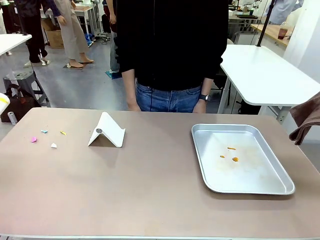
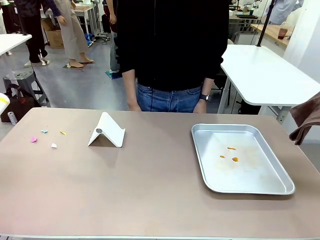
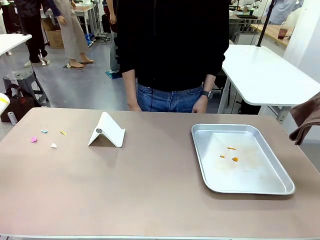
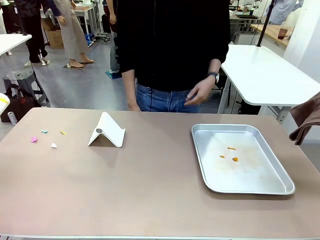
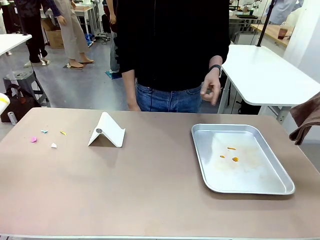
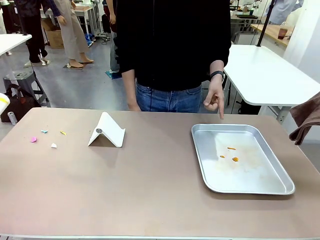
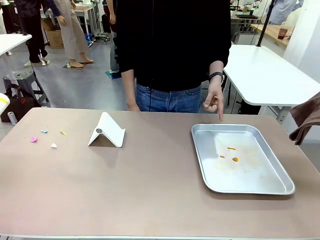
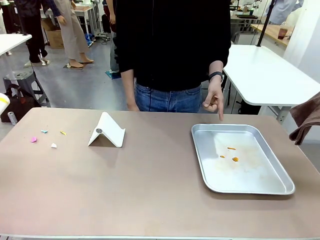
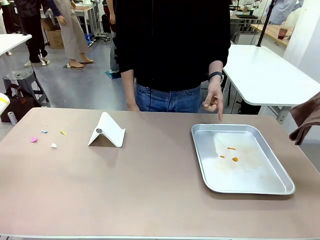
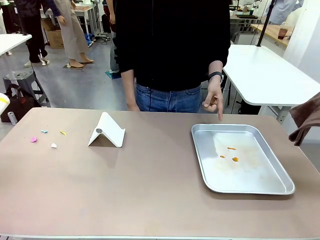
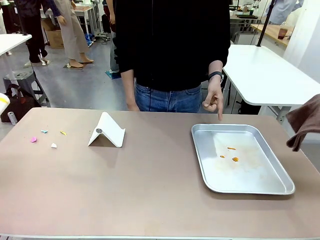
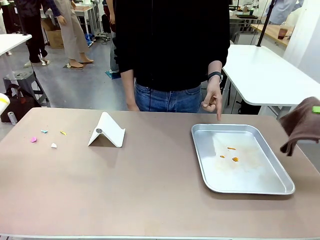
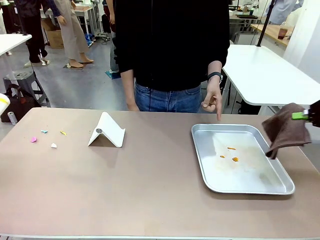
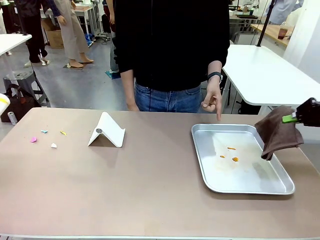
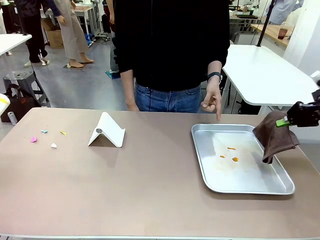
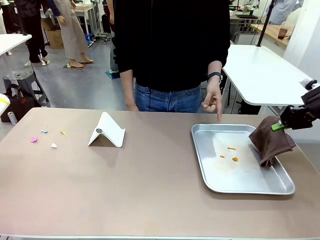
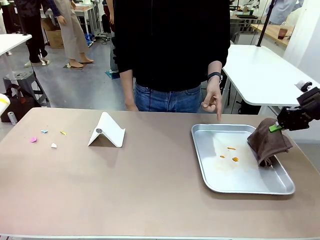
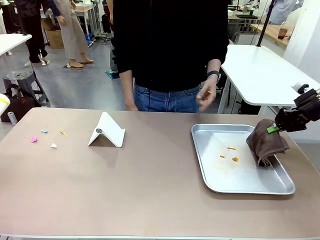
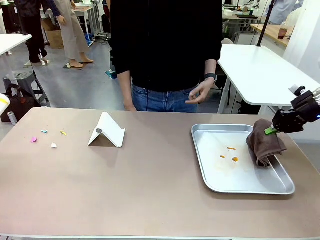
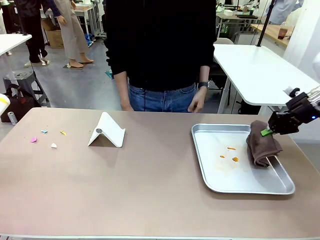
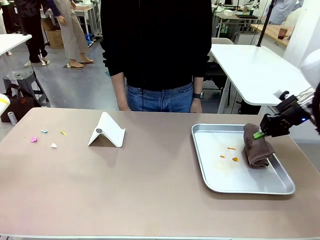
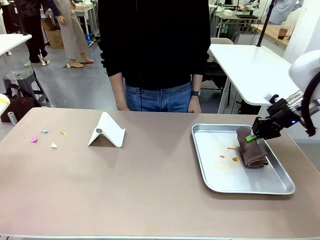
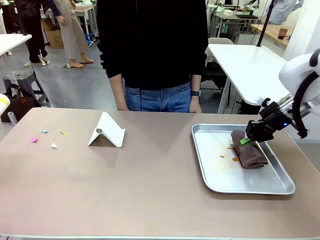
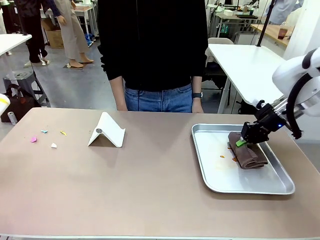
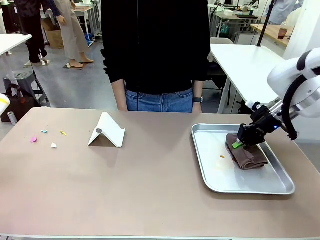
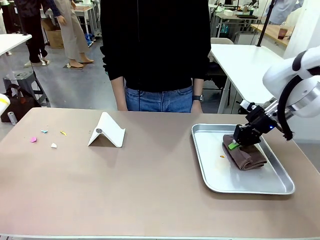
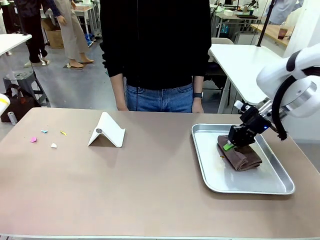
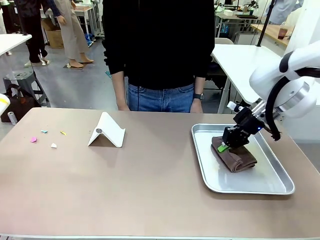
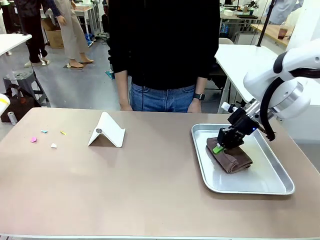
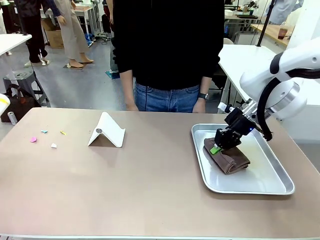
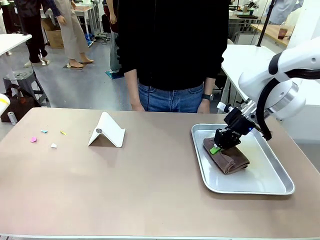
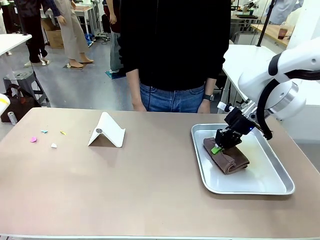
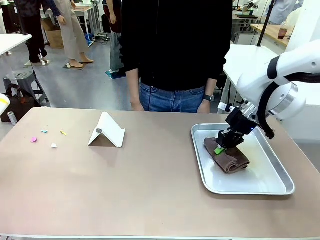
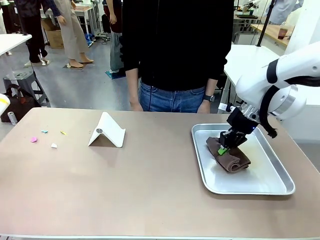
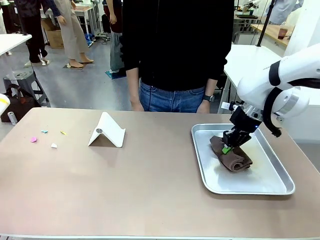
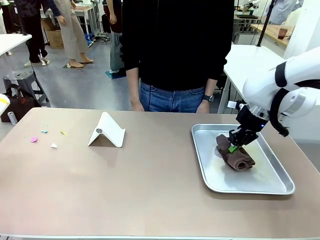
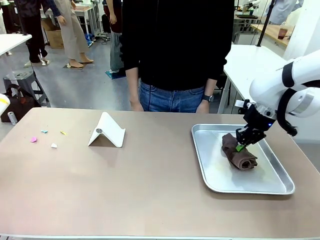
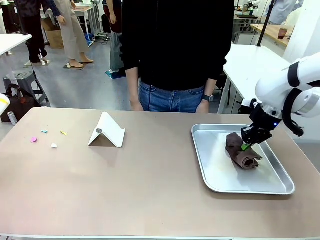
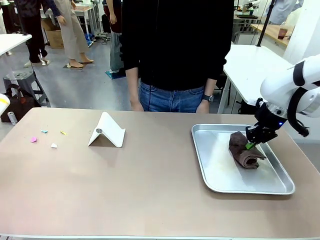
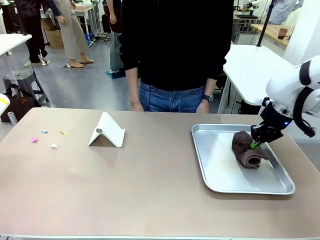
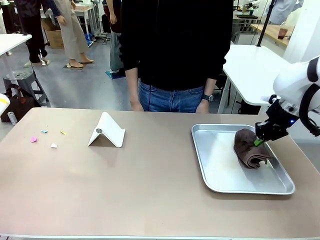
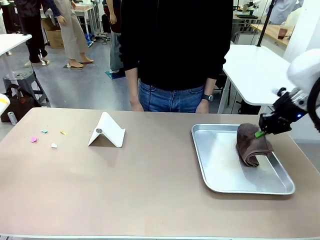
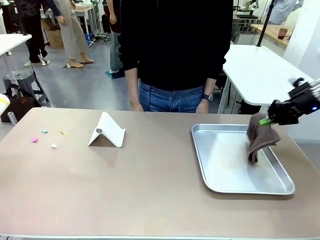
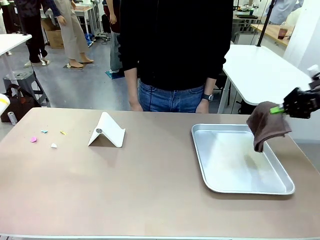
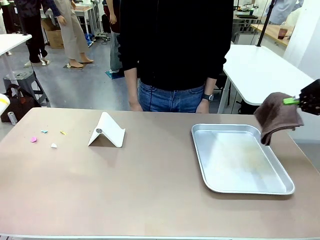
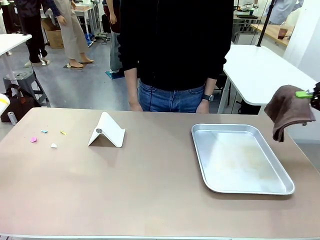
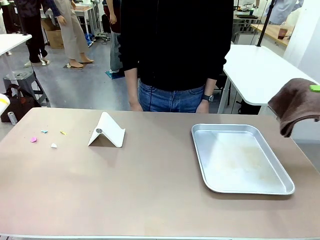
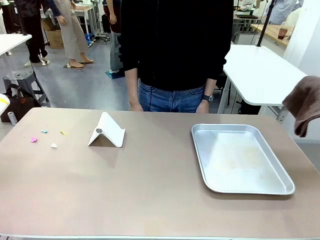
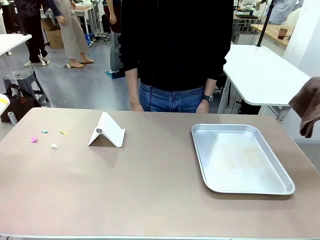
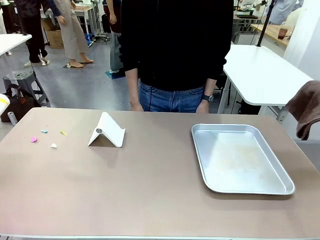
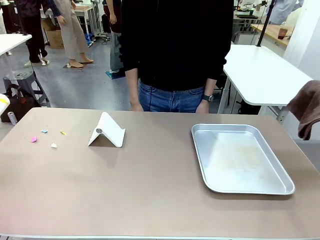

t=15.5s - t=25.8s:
Task: Clean the surface of the table.
Robot: If a person points to the right, clean the right side of the table with your right hand, and if they point to the left, clean the left side with your left hand.

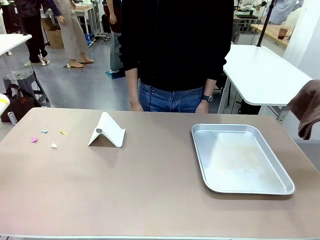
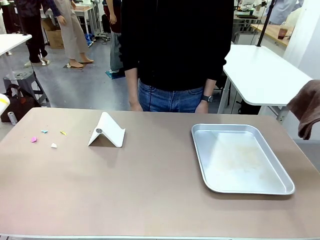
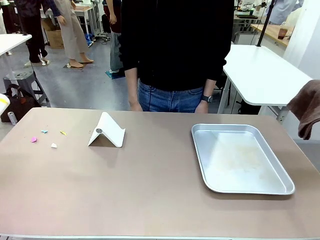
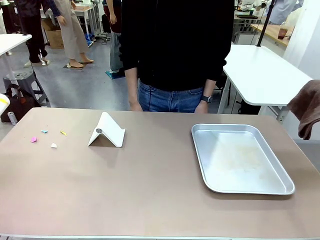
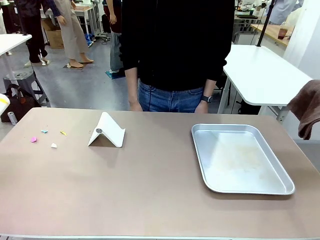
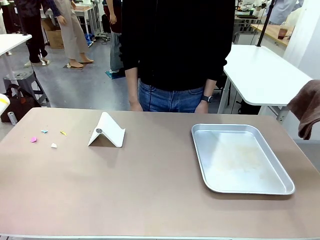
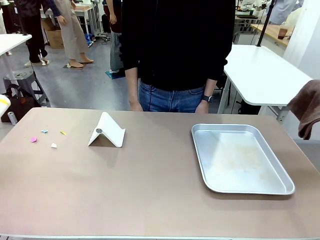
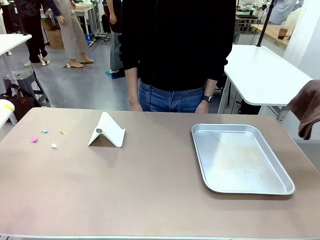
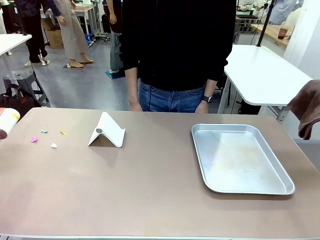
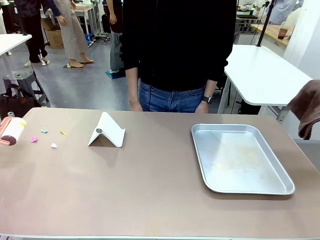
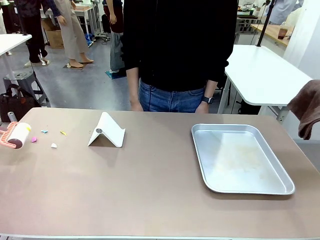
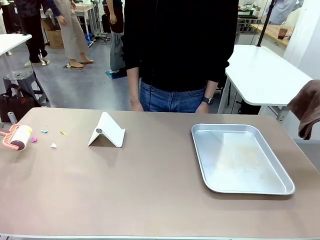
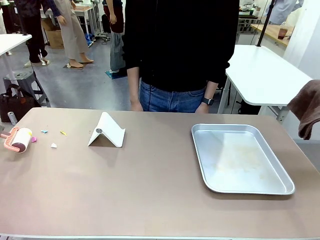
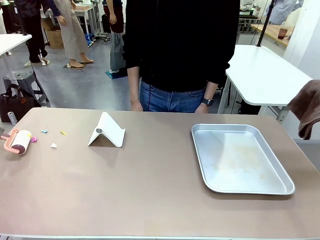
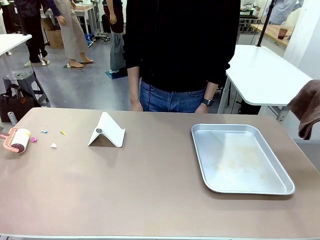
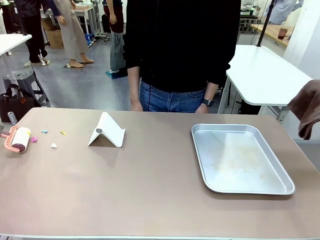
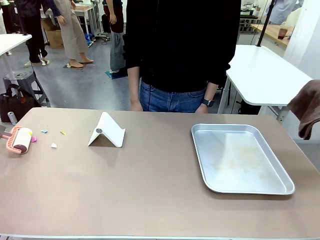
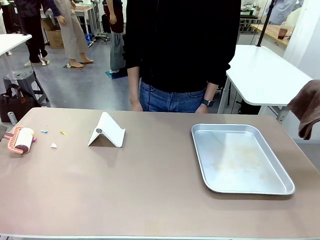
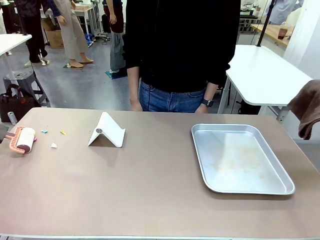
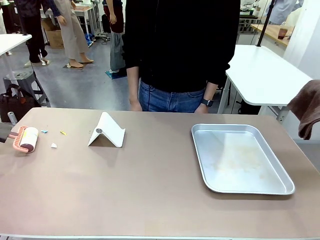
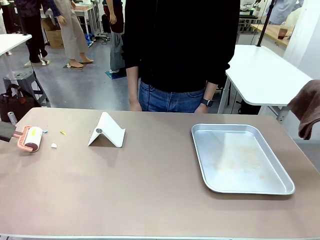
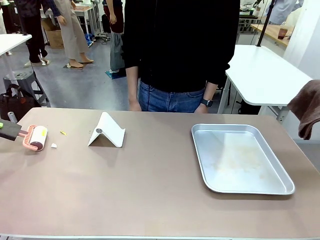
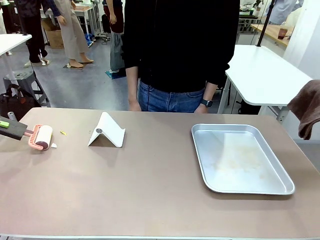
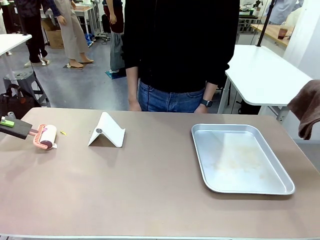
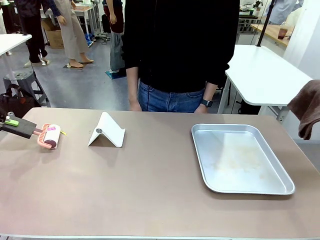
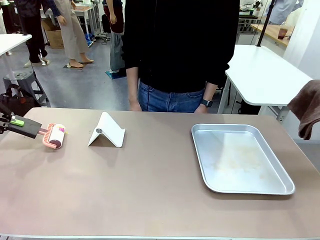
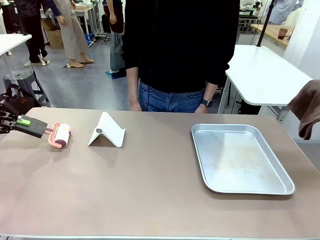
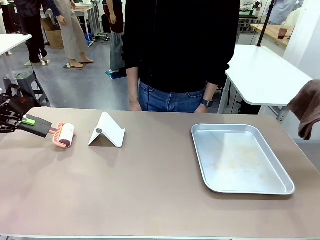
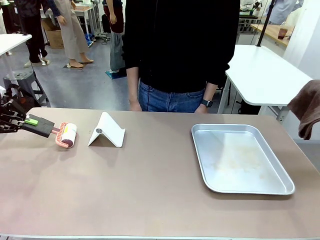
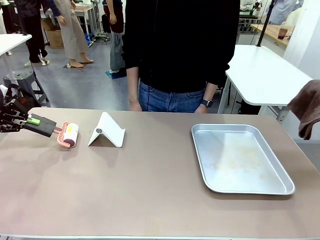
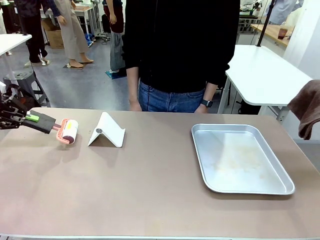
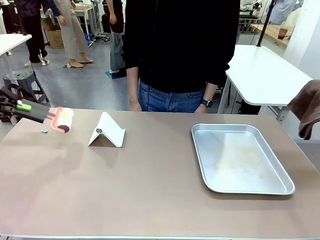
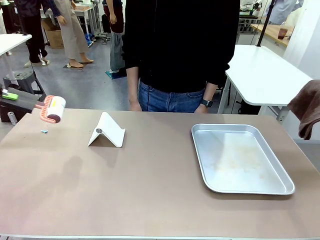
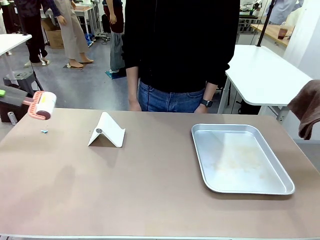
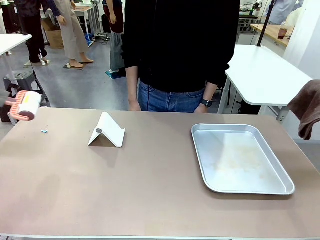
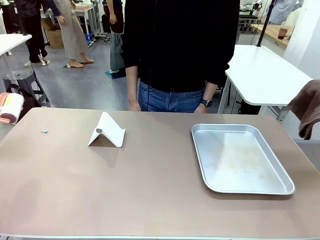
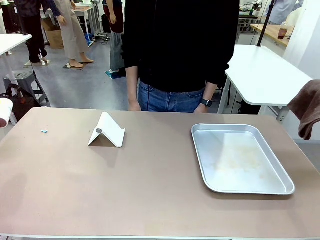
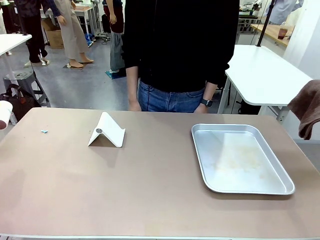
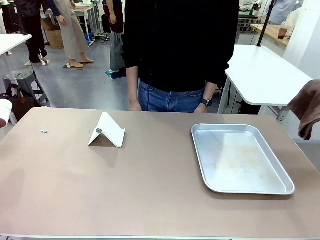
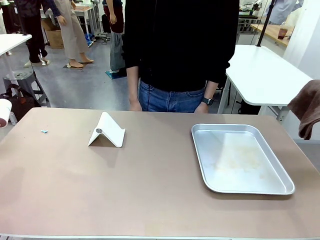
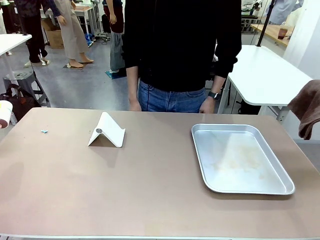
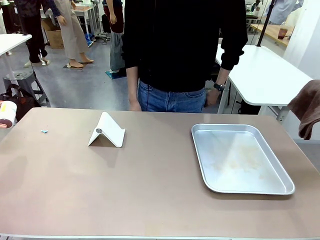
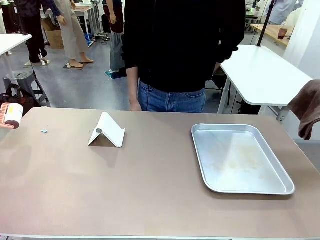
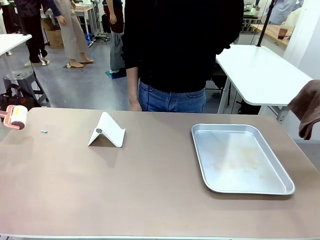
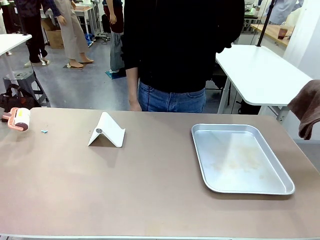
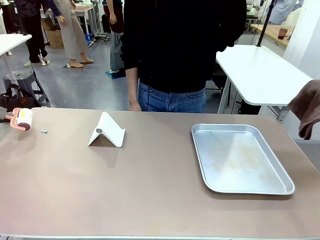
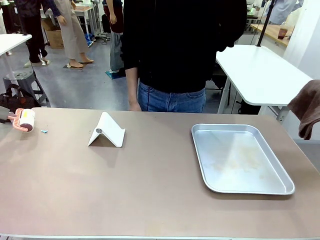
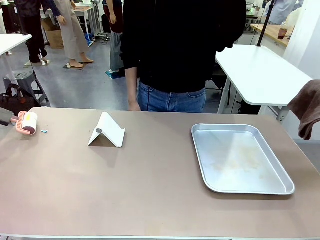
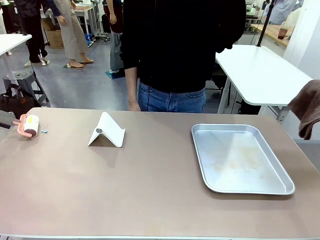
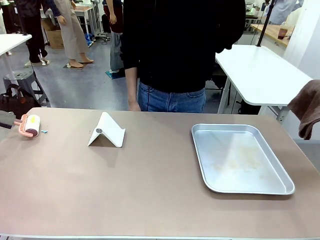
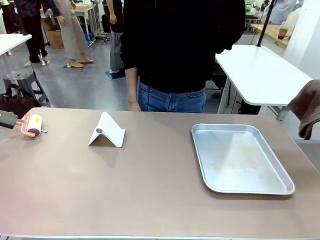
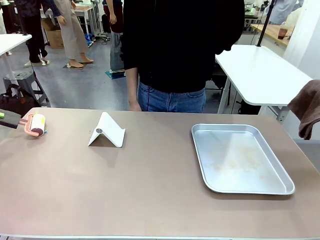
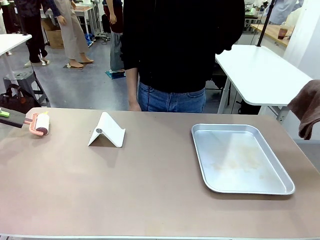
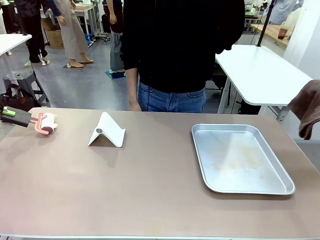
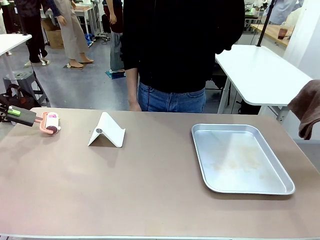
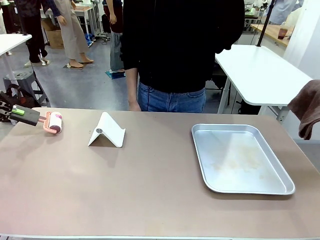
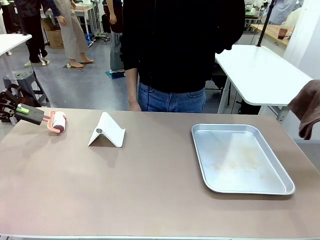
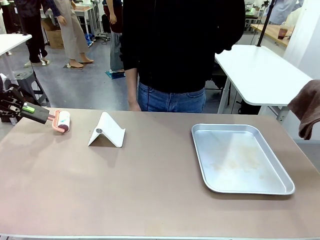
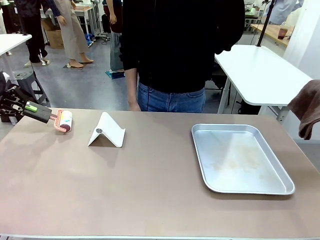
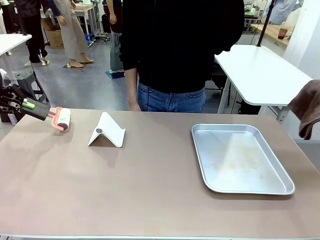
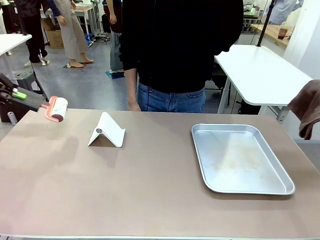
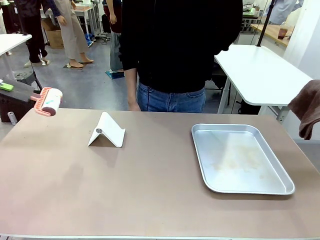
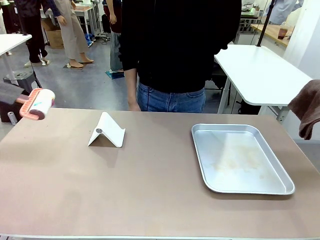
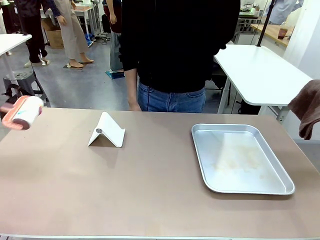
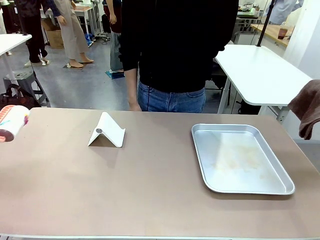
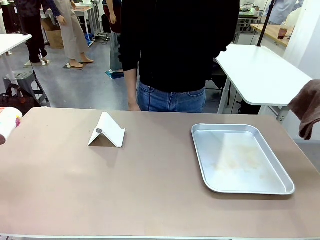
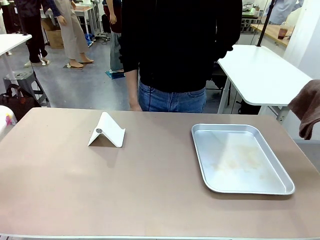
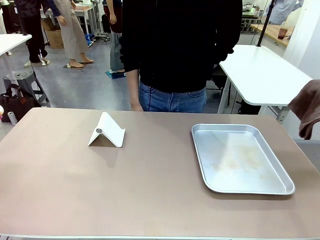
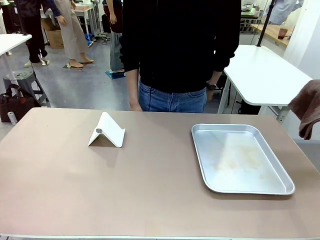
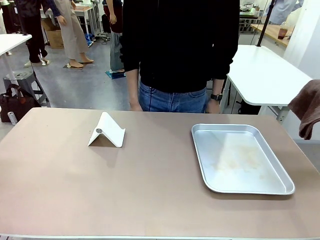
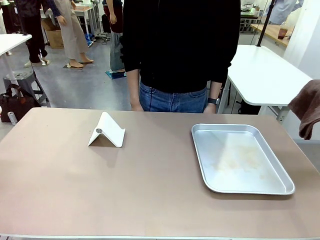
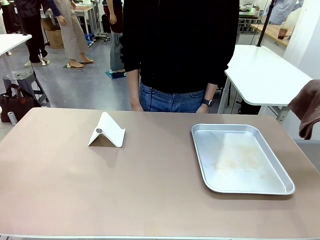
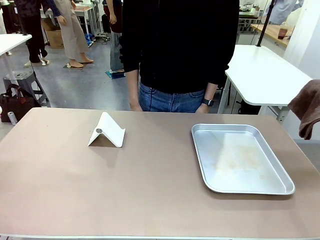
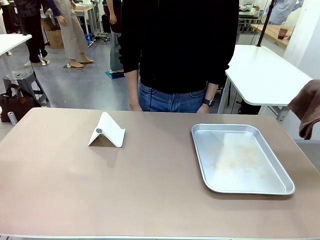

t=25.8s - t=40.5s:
Robot: Clean the area not pointed to by the person.
